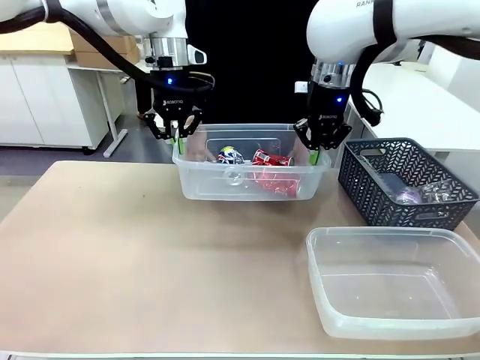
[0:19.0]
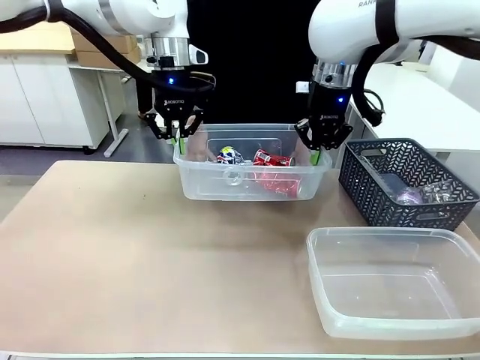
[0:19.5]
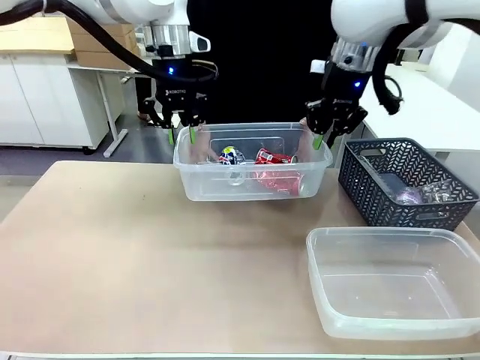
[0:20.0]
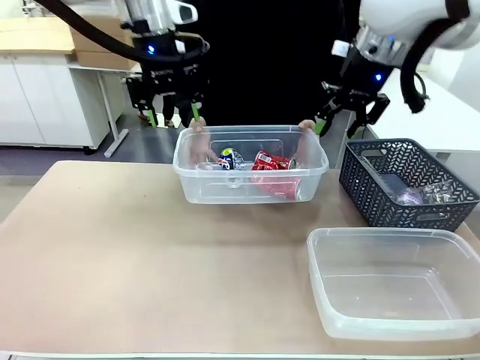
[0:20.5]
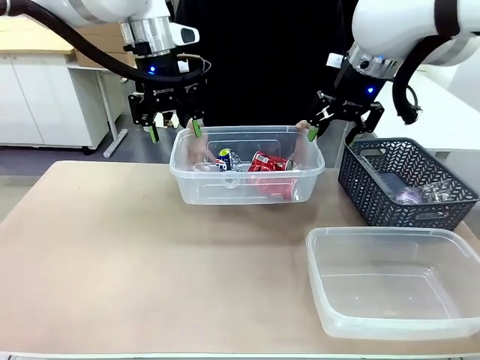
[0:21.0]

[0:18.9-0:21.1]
Robot: Release the Organizing box you were holding.

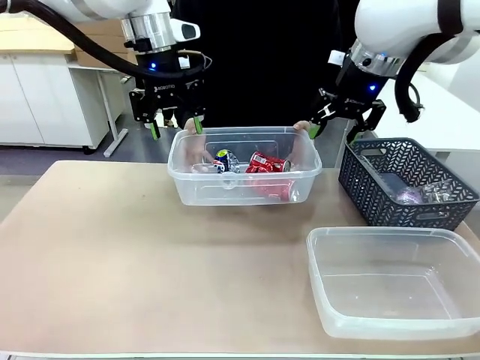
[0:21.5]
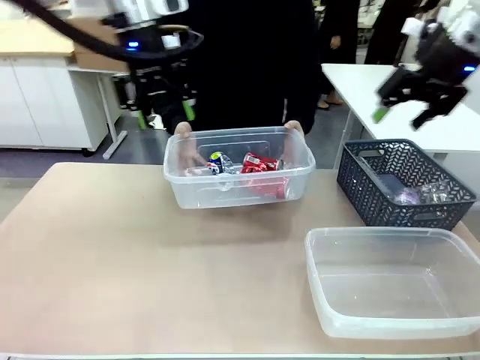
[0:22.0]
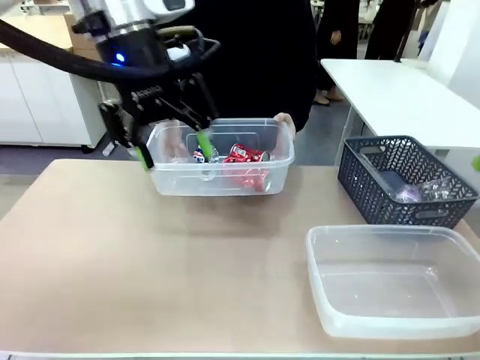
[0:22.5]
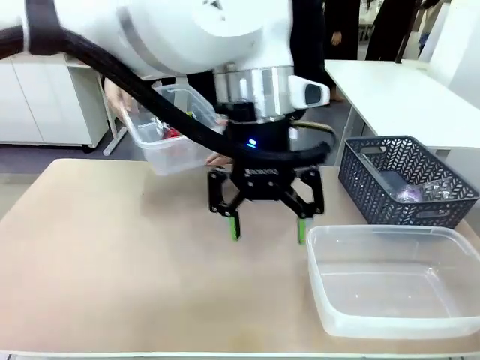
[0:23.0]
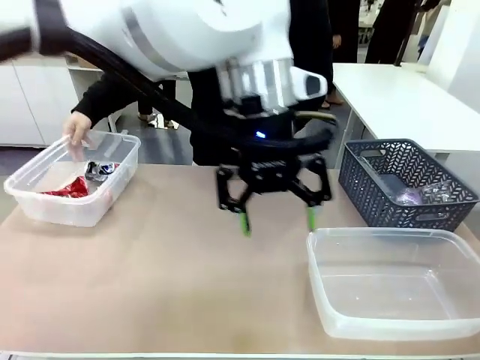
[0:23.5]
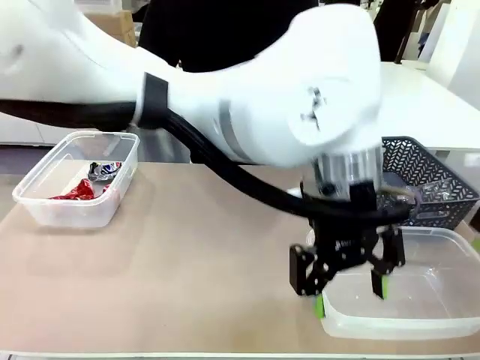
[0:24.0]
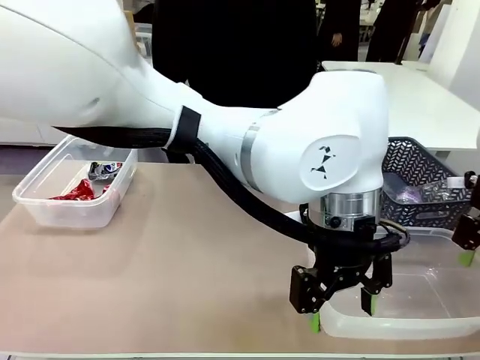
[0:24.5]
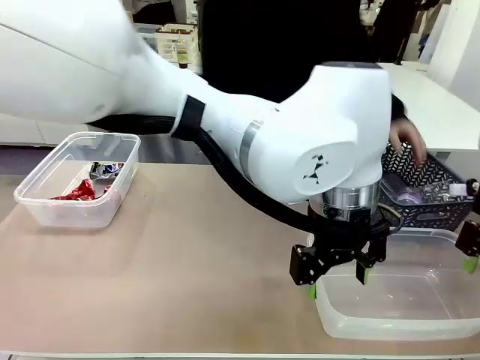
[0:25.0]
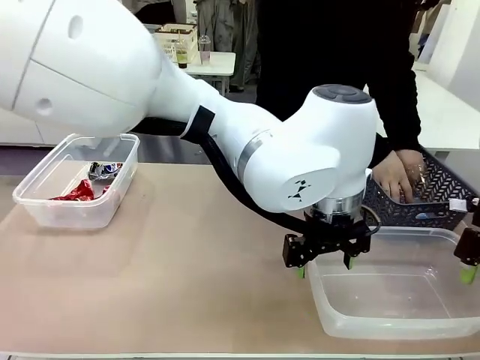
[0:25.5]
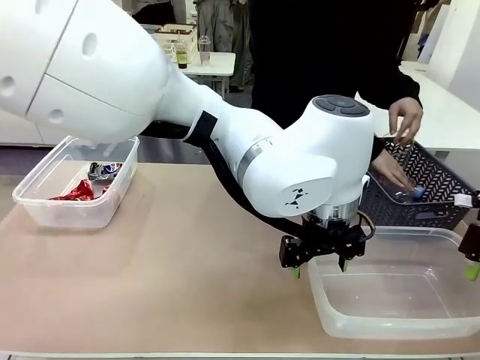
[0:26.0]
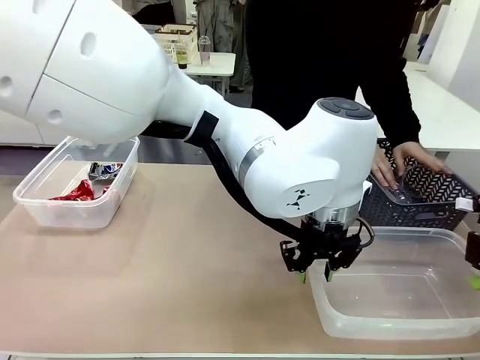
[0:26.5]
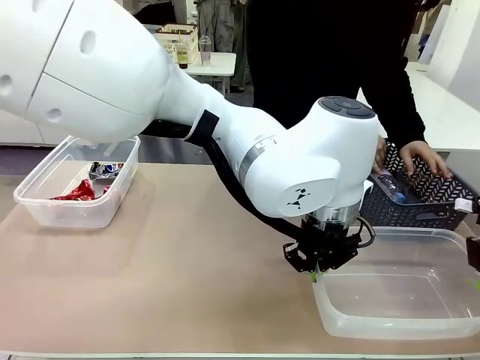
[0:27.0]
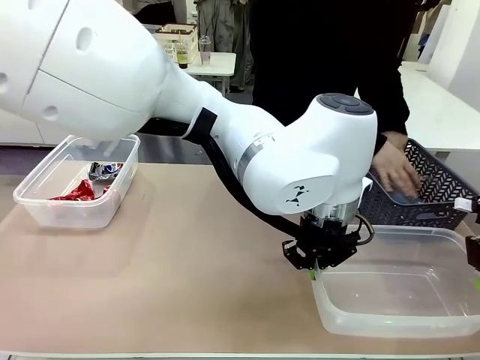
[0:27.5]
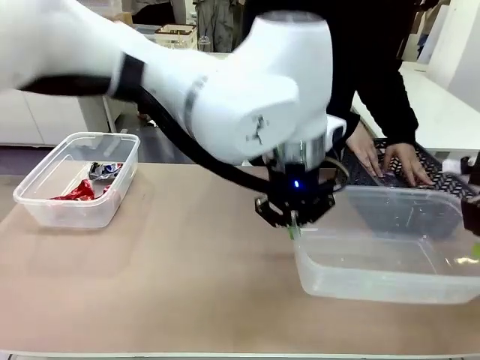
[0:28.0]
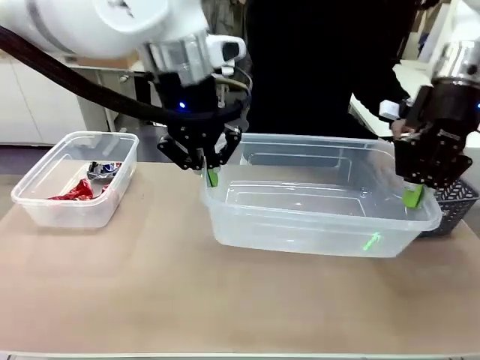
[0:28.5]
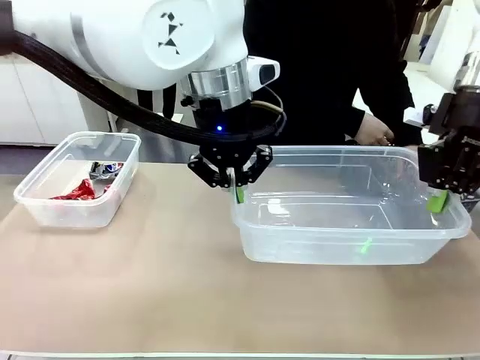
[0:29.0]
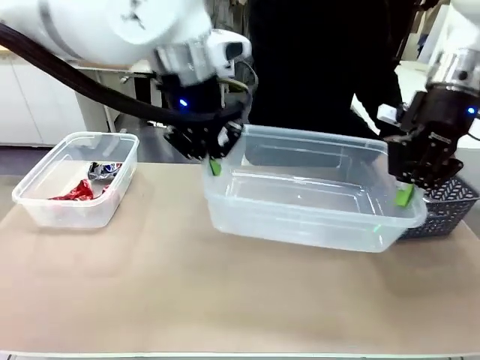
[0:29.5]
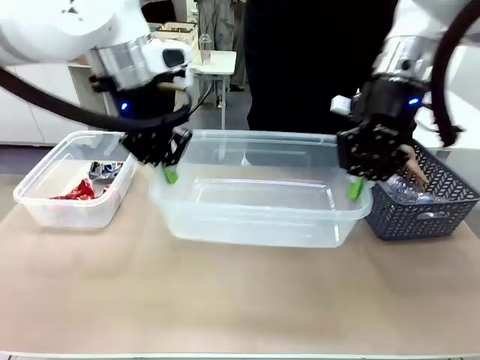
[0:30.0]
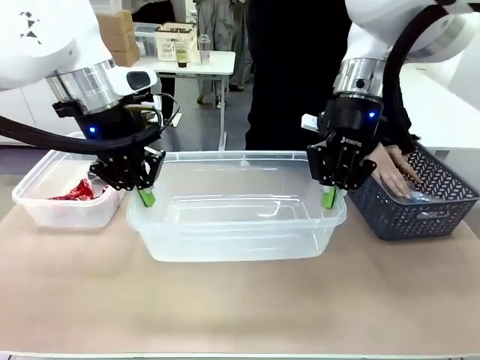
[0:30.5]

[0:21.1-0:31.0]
Robot: Pick up the Organizing box on the right side of the table and lift it.
Person: Place it at the edge of the bottom right area of the robot table. Pick up plastic waste one by one and place it into the organizing box lifted by the robot.

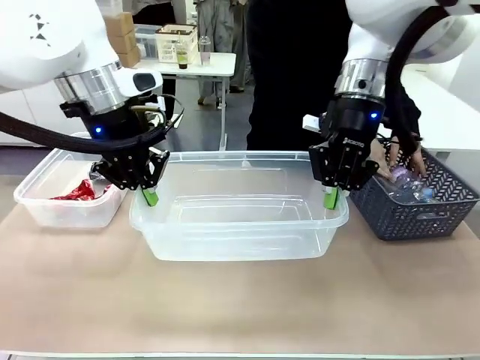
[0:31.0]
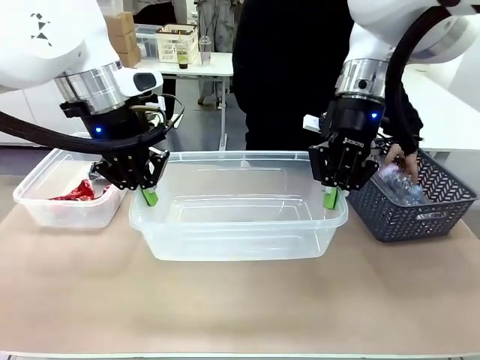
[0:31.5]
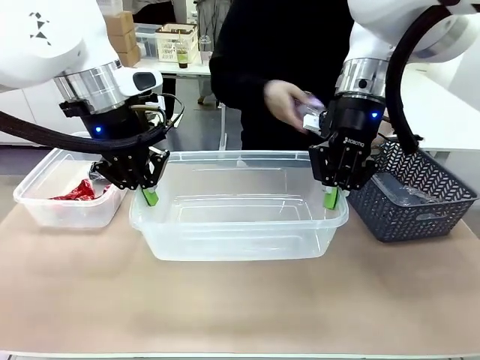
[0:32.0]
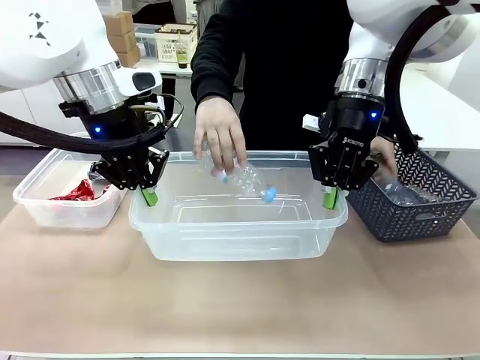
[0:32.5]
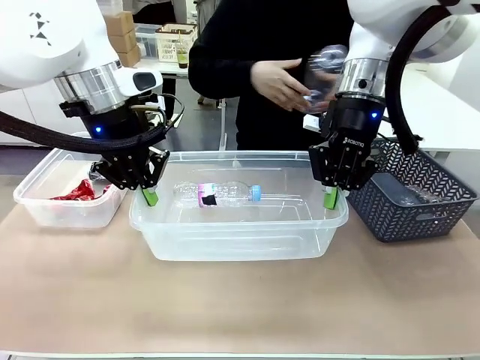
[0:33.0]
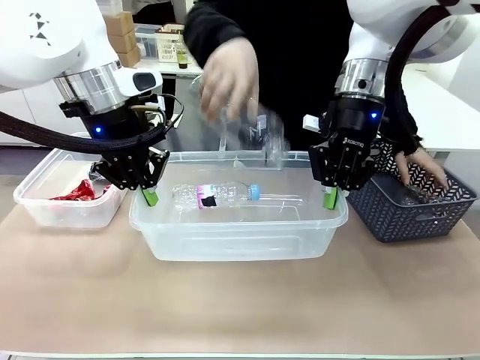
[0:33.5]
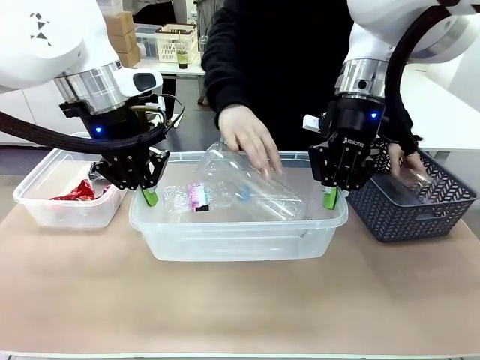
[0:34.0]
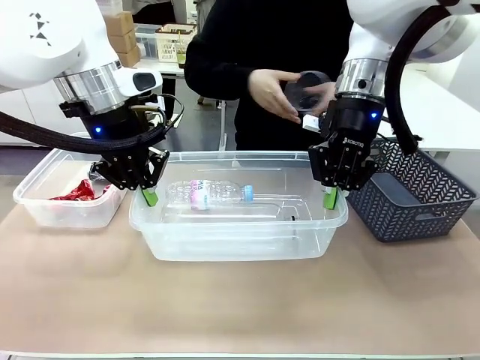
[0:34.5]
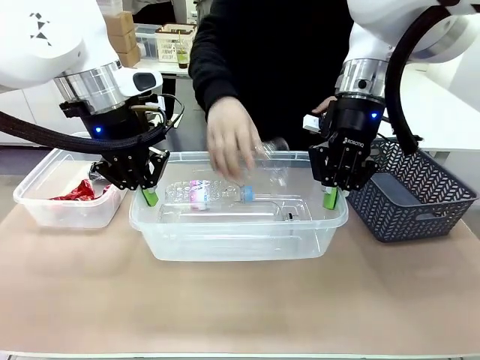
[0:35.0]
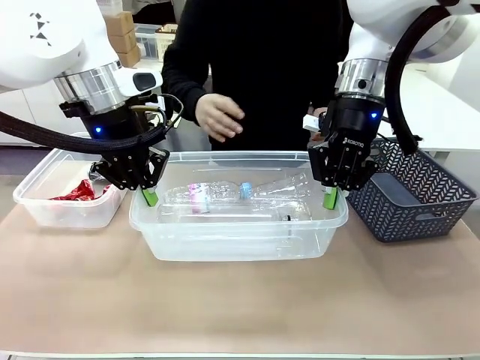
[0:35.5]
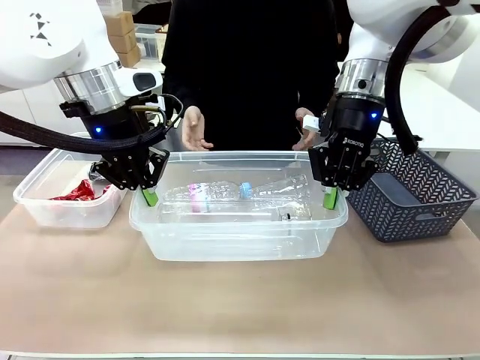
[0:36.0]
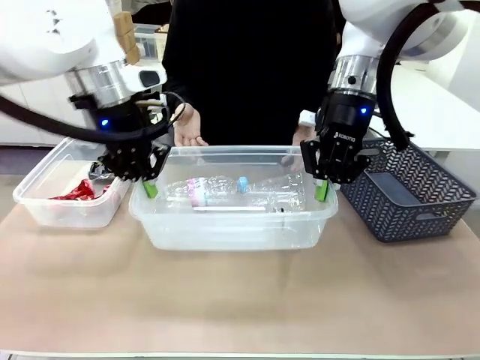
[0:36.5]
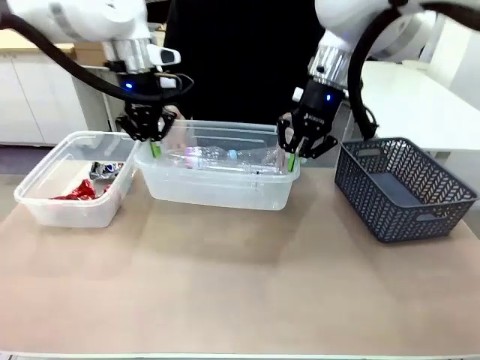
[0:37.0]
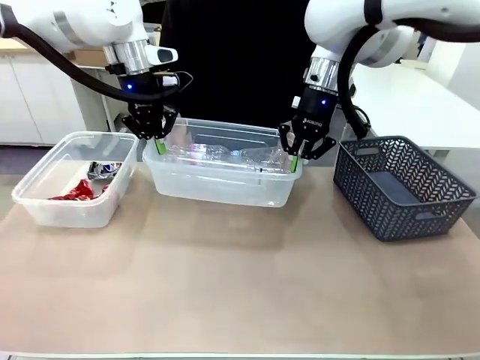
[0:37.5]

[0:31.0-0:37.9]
Robot: Offer the picked Organizing box to the human.

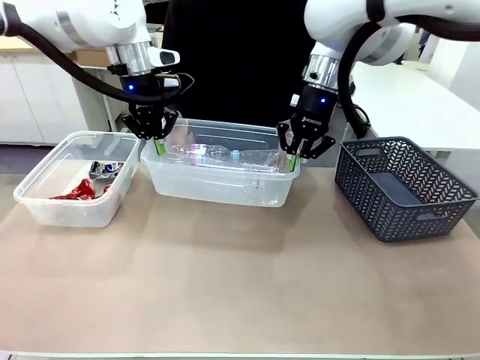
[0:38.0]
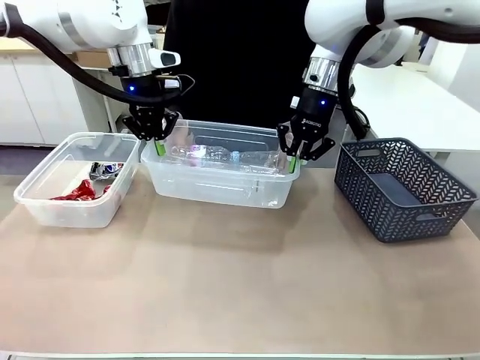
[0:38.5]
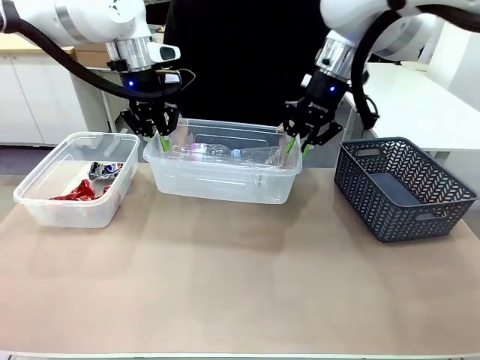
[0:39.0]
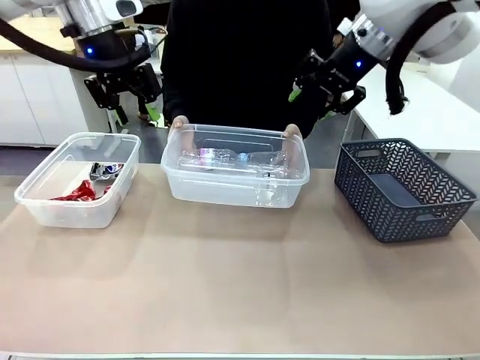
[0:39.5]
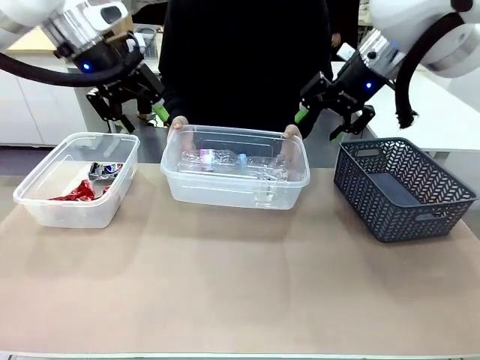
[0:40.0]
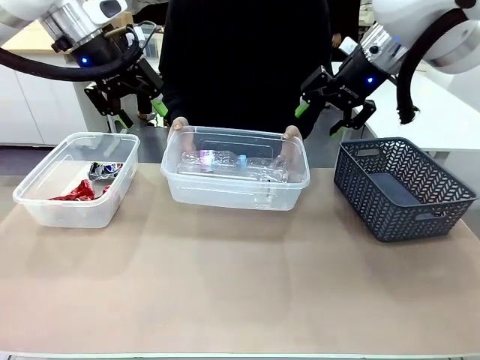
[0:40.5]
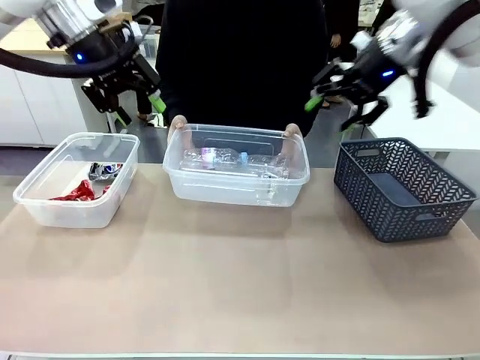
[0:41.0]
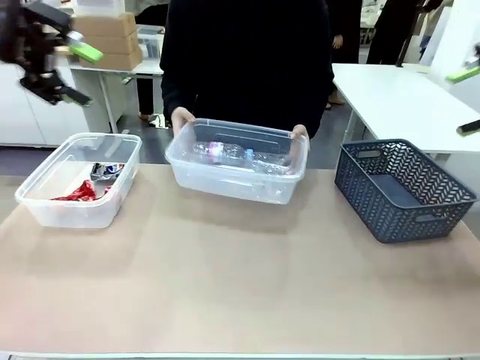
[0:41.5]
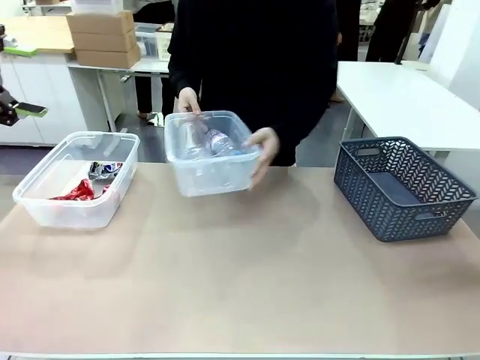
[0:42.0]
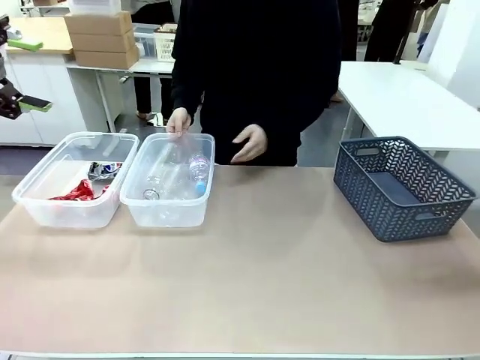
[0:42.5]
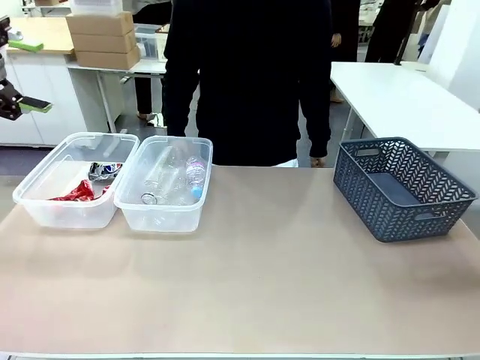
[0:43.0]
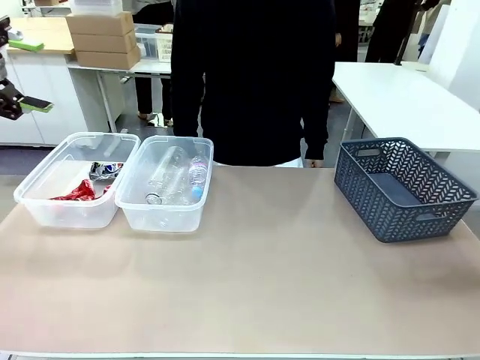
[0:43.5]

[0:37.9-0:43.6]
Robot: Release the Organizing box you were holding.
Person: Pick up the organizing box extended by the robot. Place the organizing box to the left of the sorting box containing the can waste.
